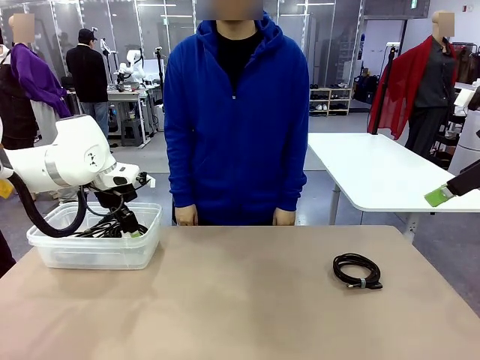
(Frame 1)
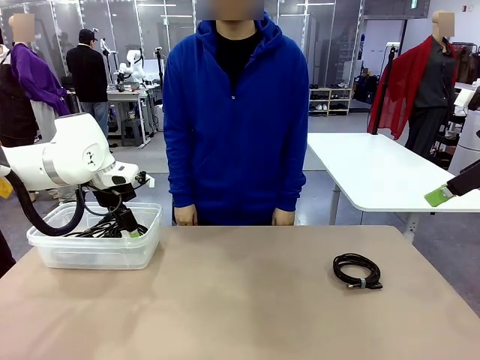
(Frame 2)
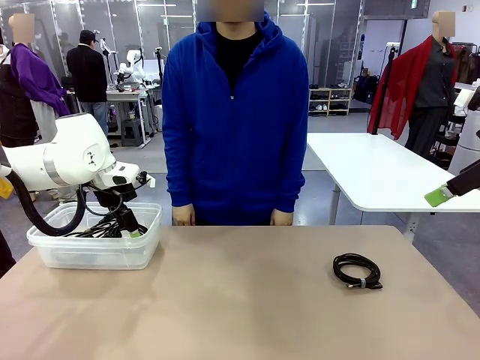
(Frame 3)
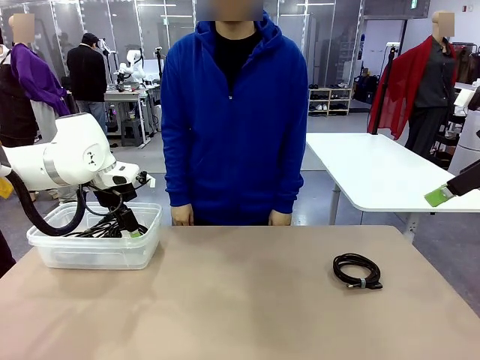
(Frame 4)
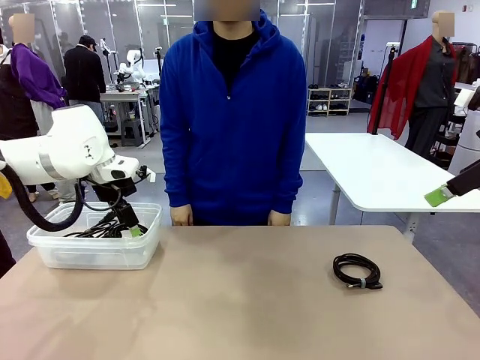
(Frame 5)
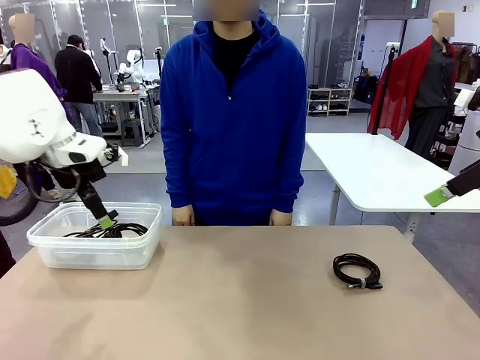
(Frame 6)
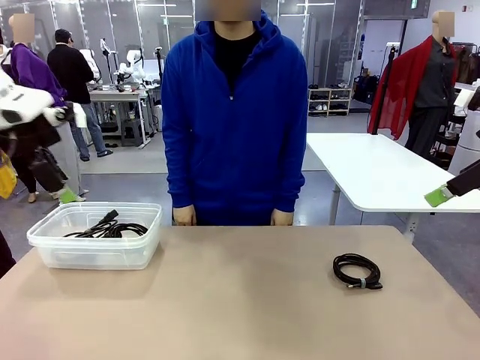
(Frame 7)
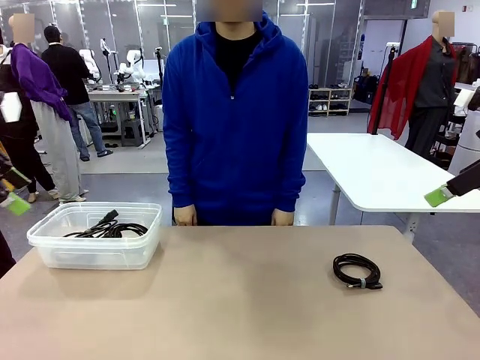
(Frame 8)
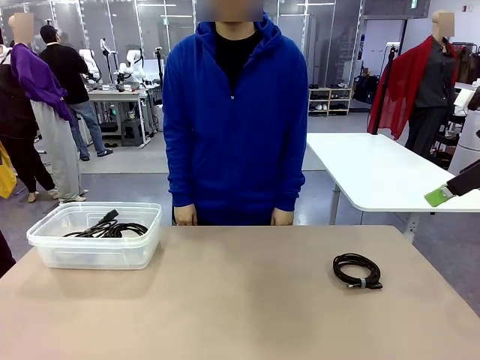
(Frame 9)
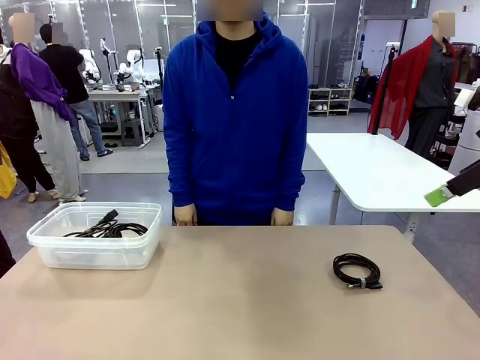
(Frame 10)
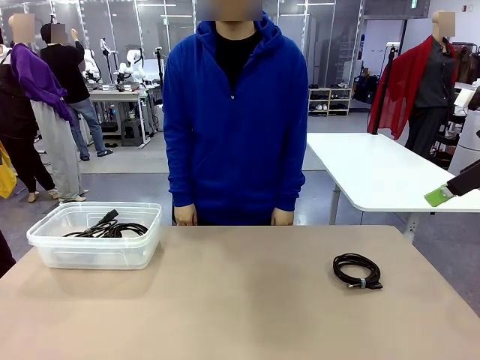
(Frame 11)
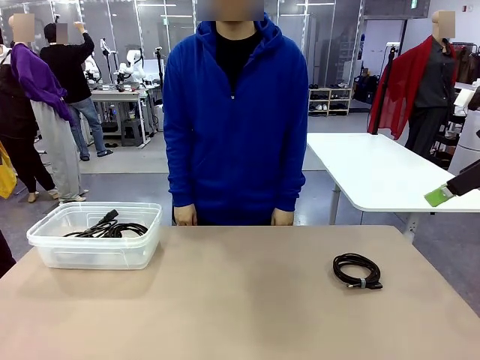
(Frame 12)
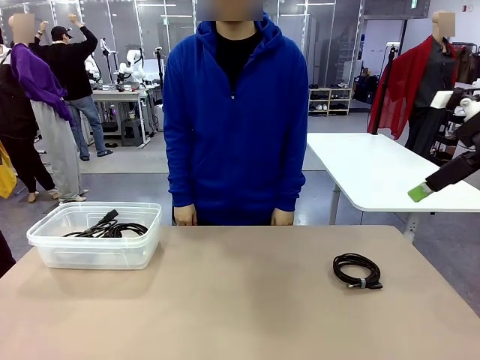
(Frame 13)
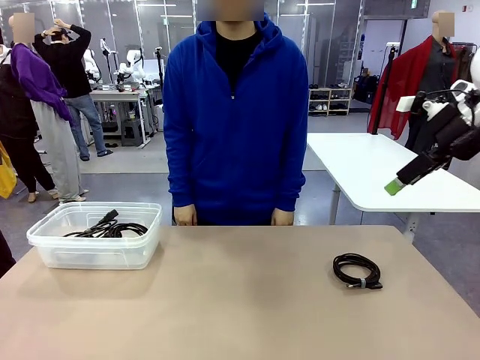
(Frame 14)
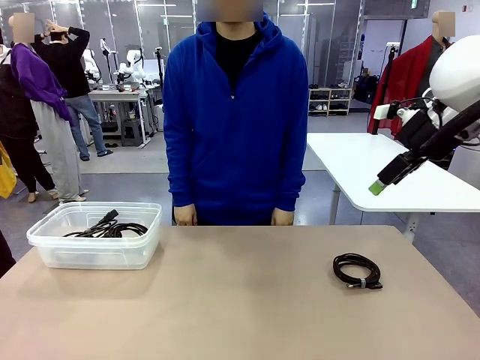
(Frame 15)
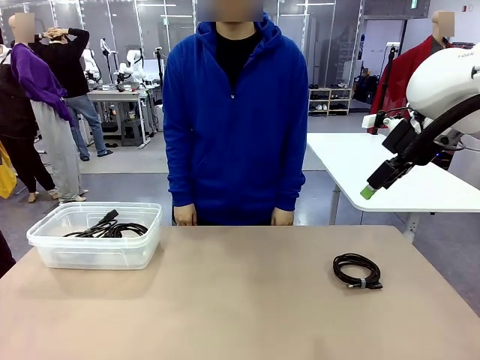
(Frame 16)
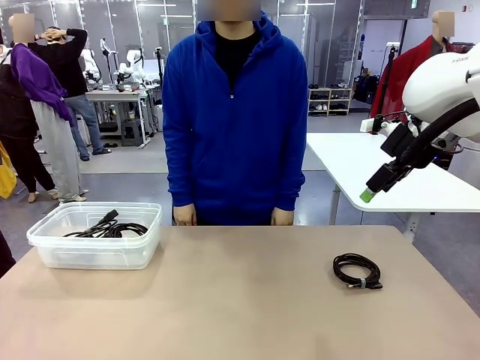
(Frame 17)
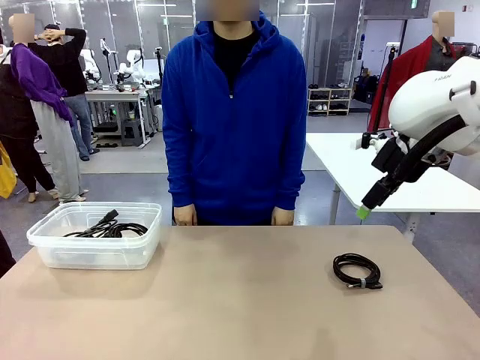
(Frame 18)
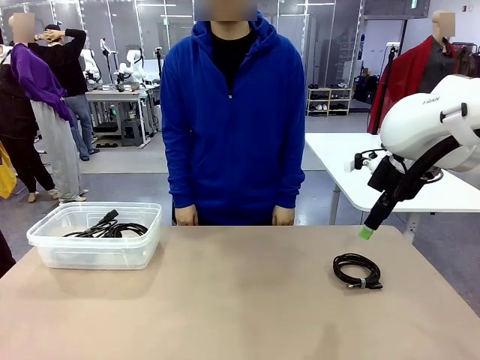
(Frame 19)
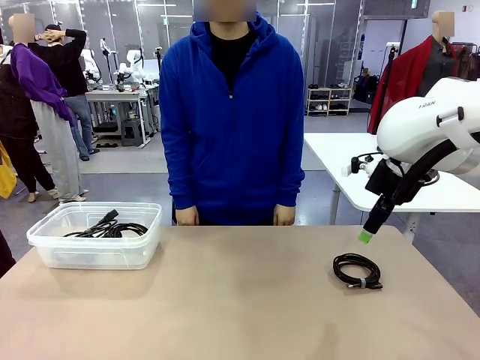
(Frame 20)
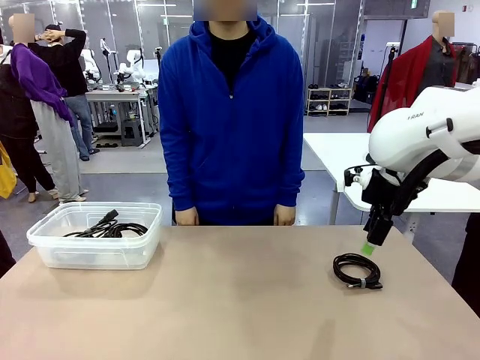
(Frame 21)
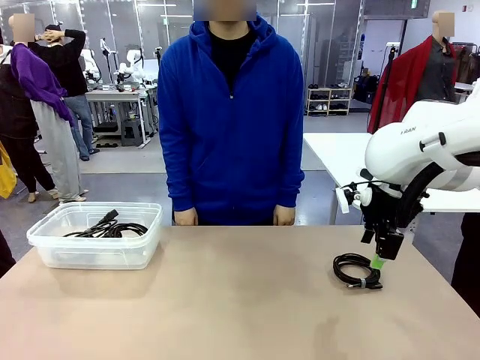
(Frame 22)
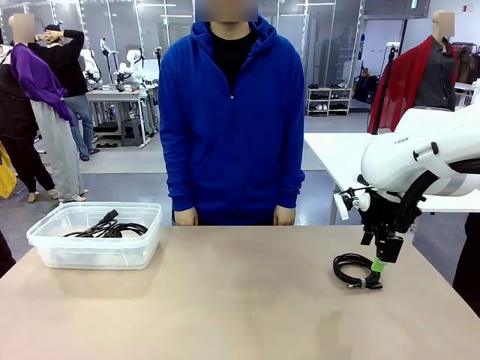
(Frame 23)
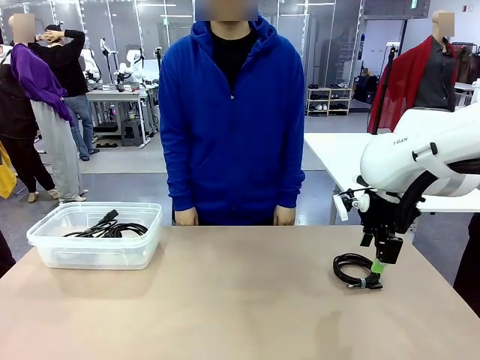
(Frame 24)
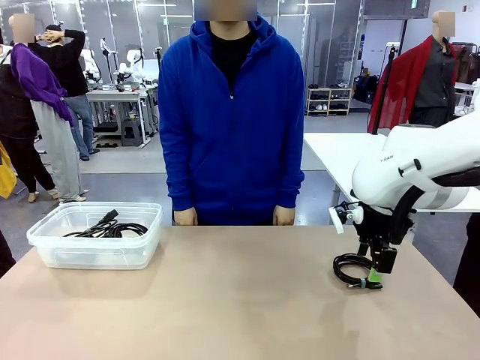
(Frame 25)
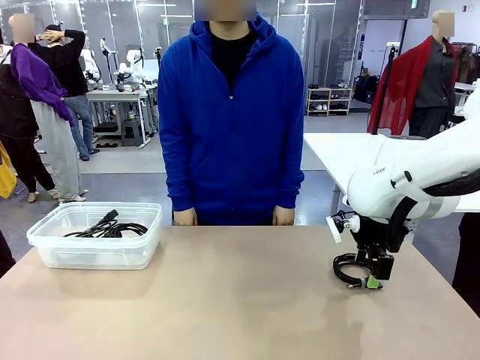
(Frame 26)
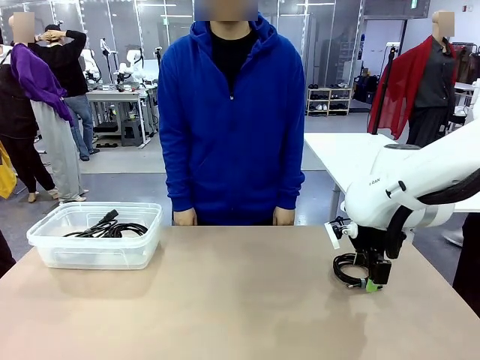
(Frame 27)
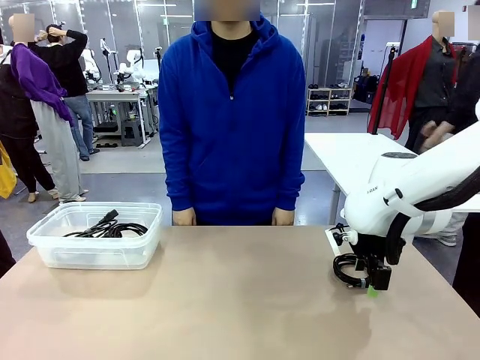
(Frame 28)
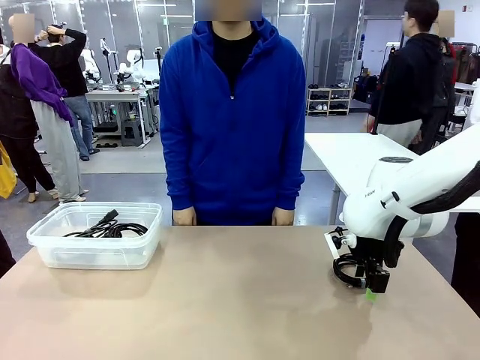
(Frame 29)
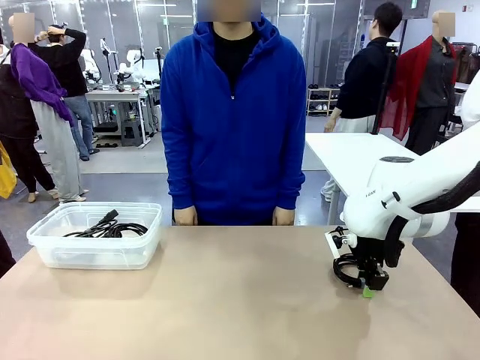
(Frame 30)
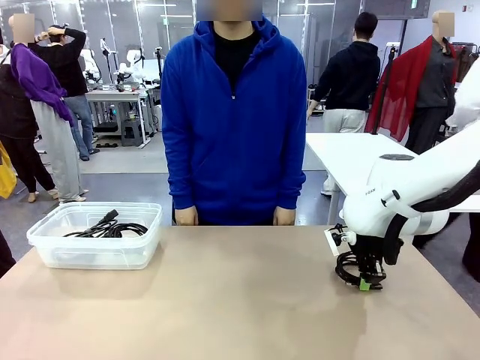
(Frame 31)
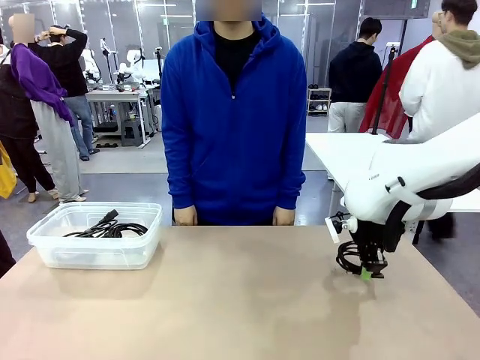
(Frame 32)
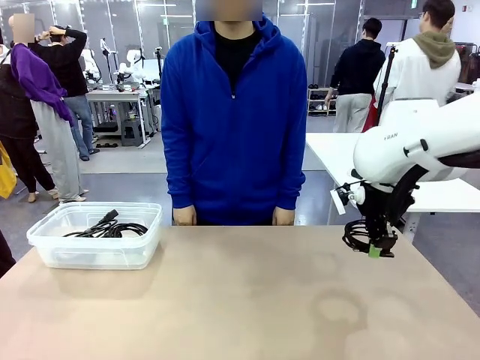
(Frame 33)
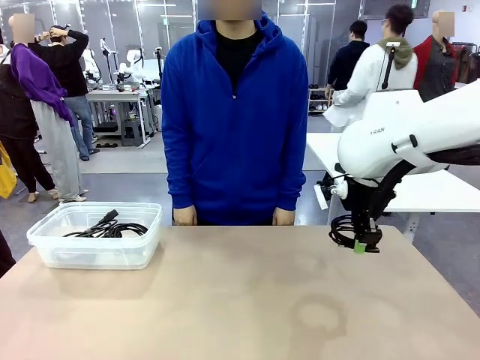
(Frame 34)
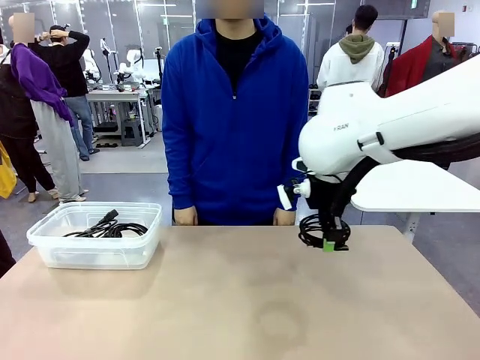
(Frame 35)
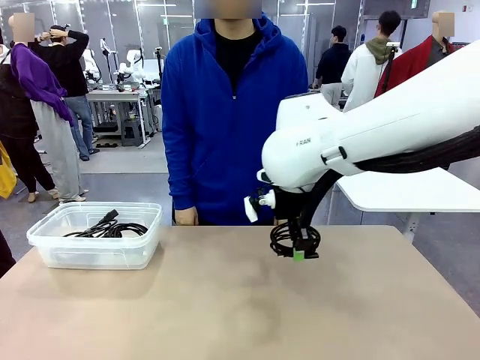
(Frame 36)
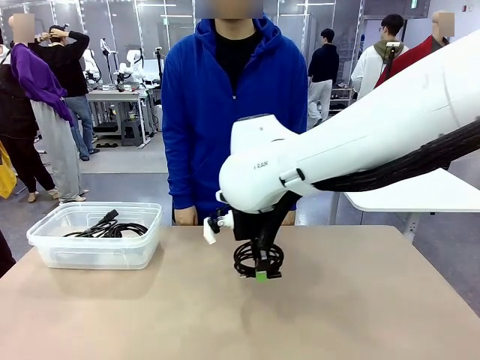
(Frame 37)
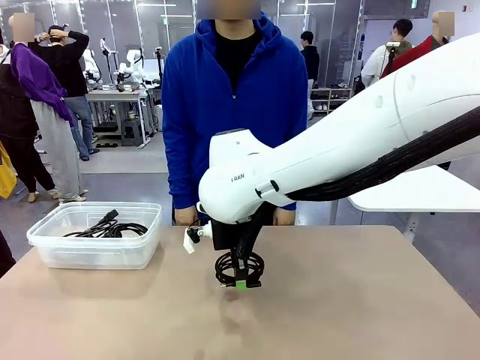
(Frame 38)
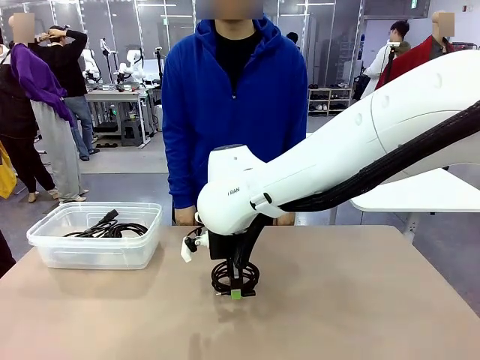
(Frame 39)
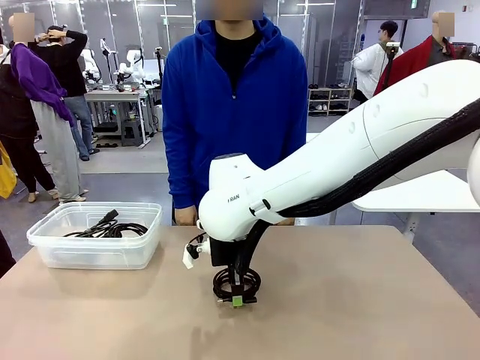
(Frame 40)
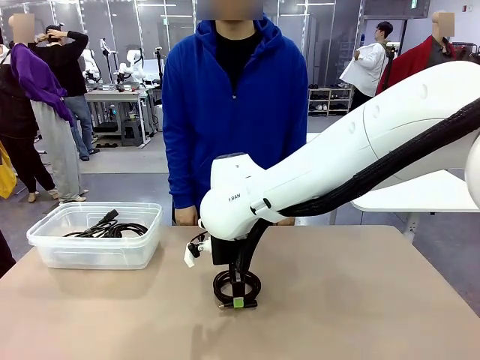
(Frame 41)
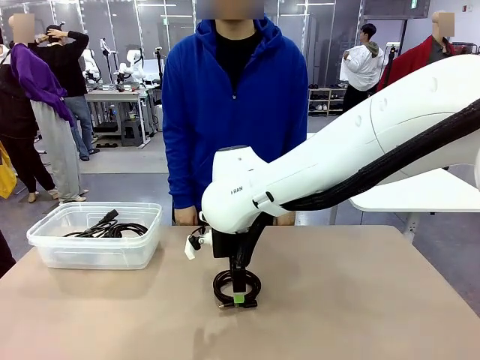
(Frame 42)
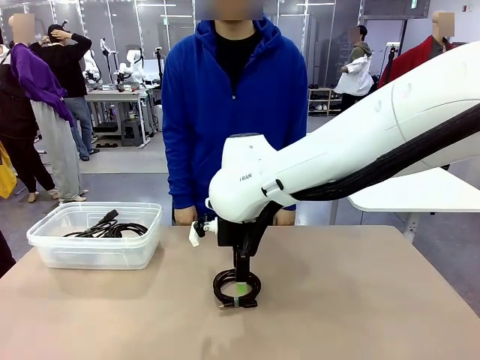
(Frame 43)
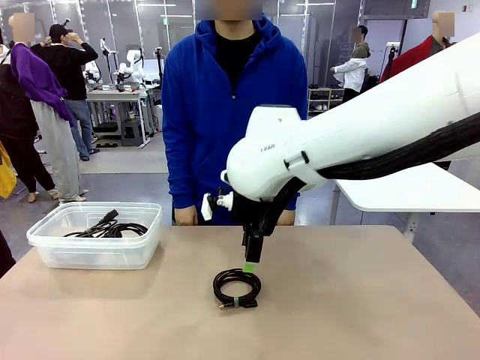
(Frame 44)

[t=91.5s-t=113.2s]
Task: Organize and store the cables.
Robot: Place the USB Extension Cable into the Organizing box.
